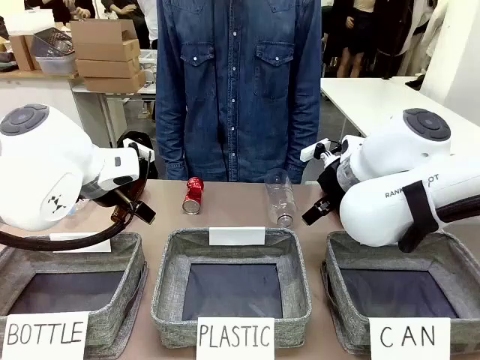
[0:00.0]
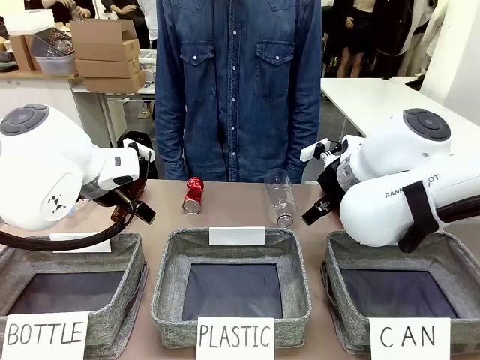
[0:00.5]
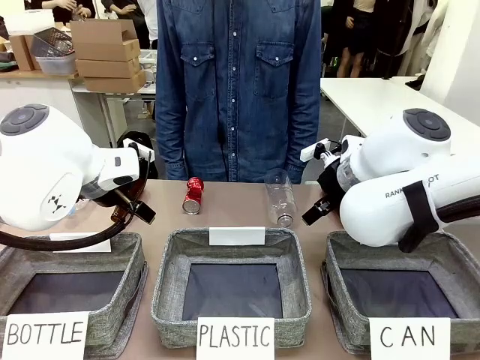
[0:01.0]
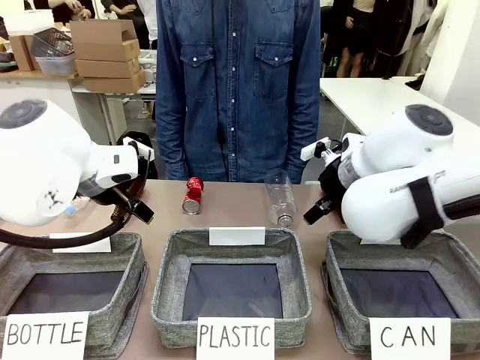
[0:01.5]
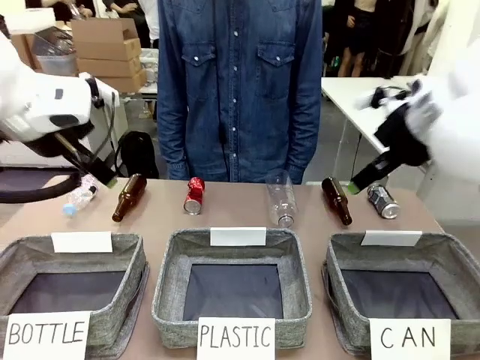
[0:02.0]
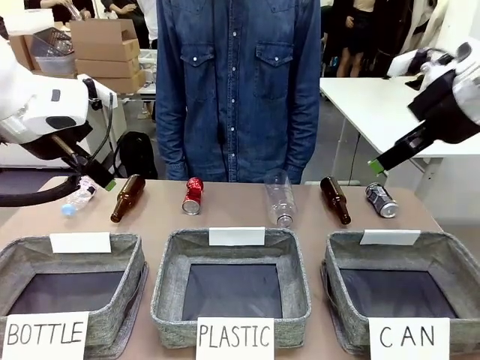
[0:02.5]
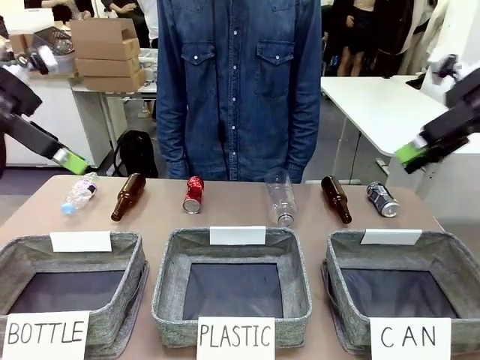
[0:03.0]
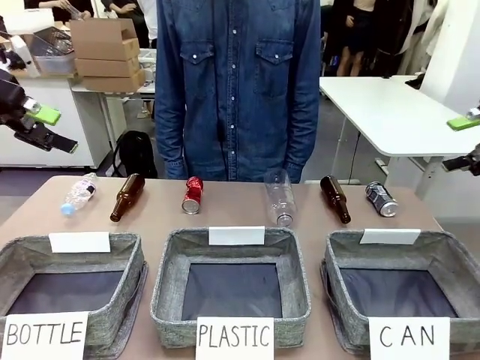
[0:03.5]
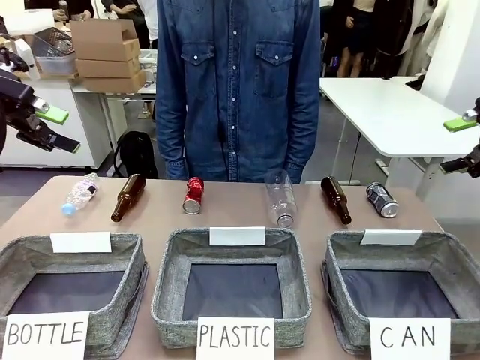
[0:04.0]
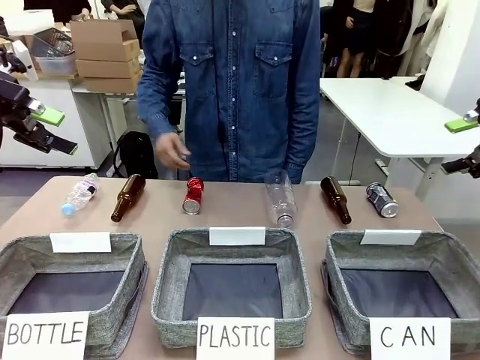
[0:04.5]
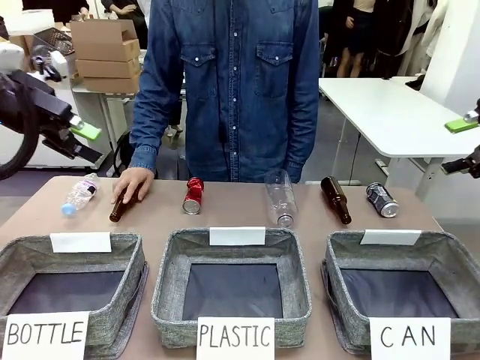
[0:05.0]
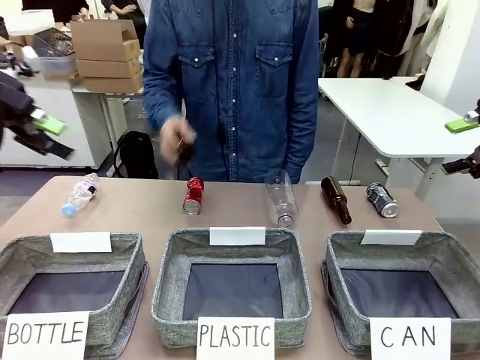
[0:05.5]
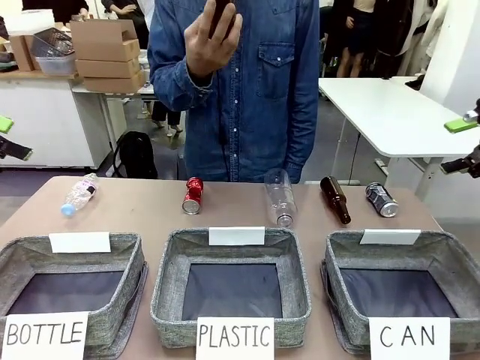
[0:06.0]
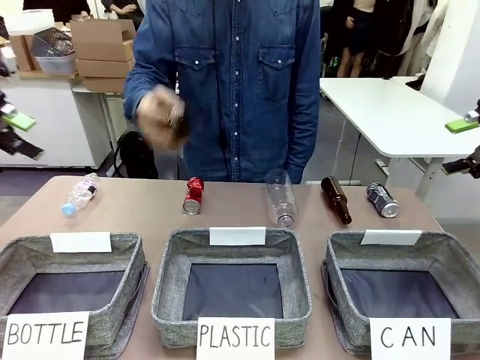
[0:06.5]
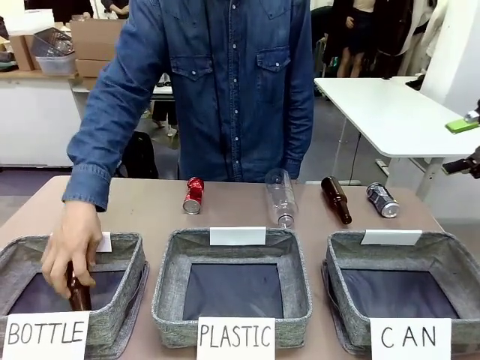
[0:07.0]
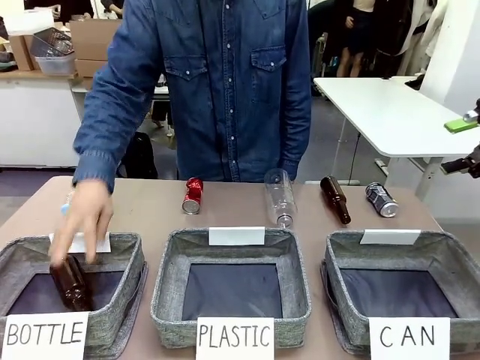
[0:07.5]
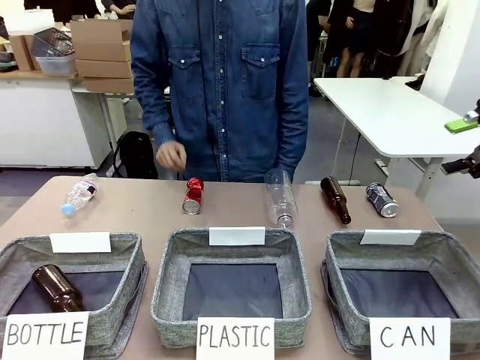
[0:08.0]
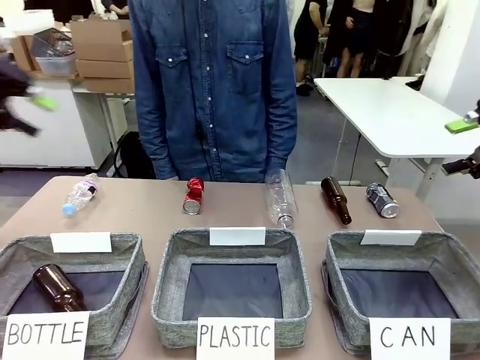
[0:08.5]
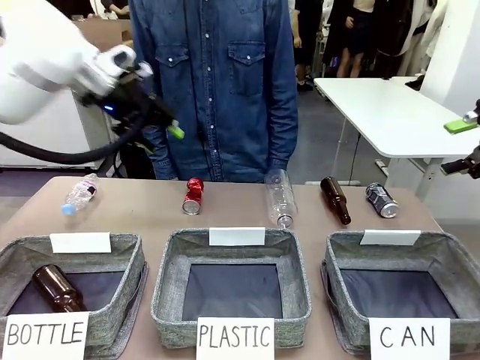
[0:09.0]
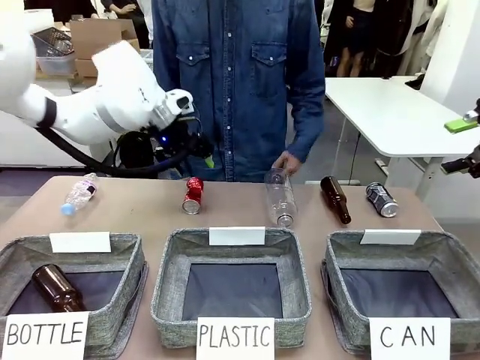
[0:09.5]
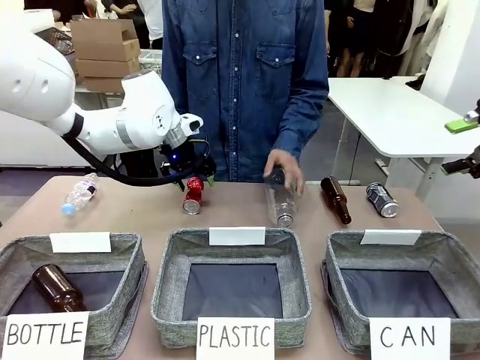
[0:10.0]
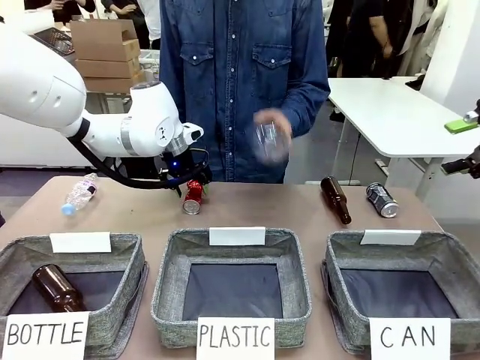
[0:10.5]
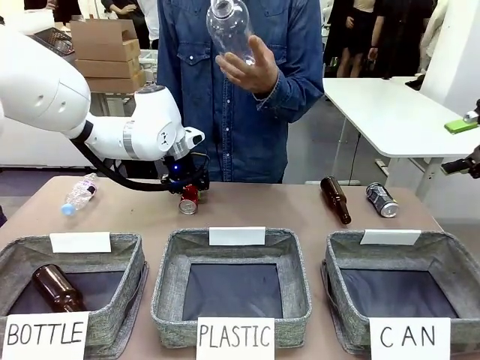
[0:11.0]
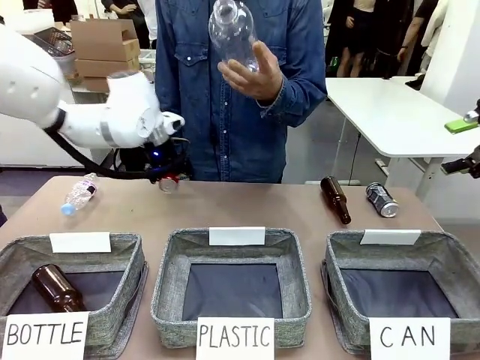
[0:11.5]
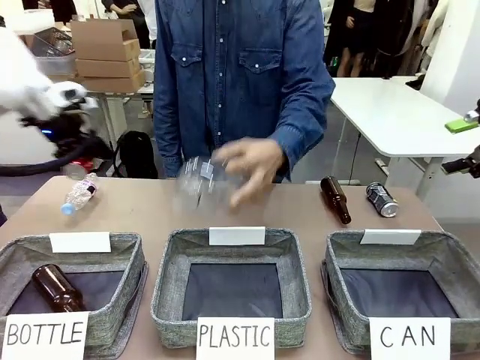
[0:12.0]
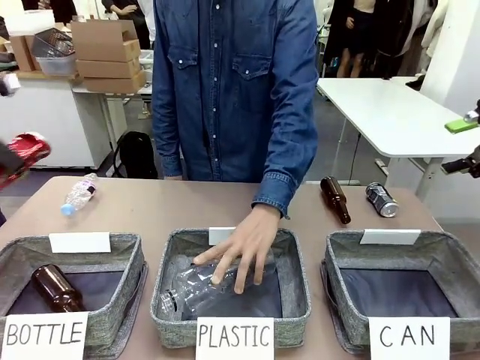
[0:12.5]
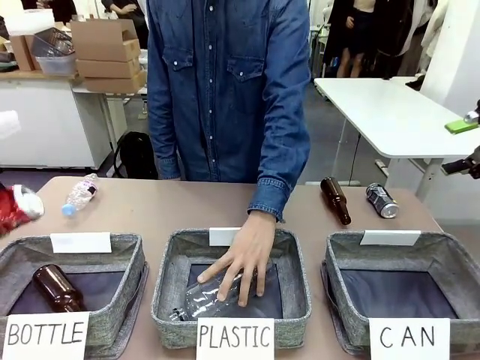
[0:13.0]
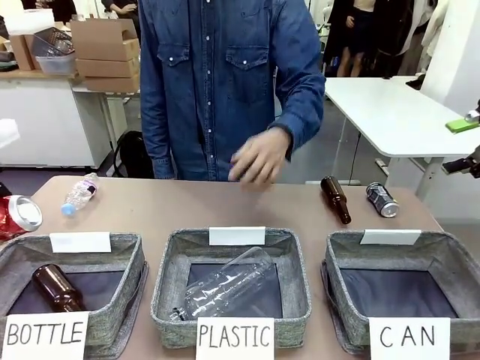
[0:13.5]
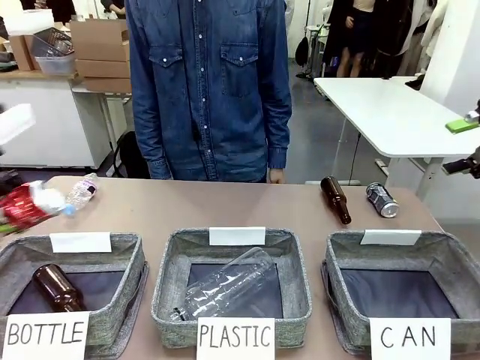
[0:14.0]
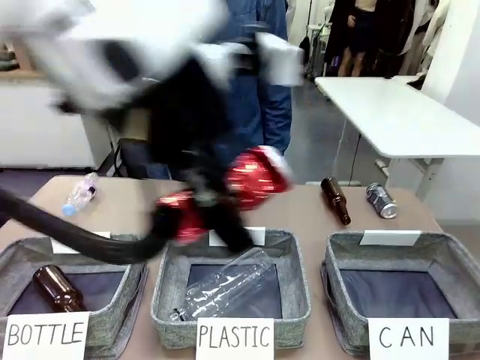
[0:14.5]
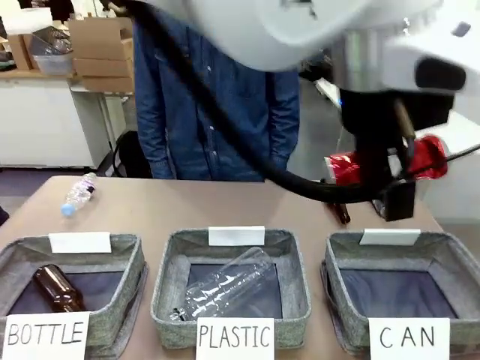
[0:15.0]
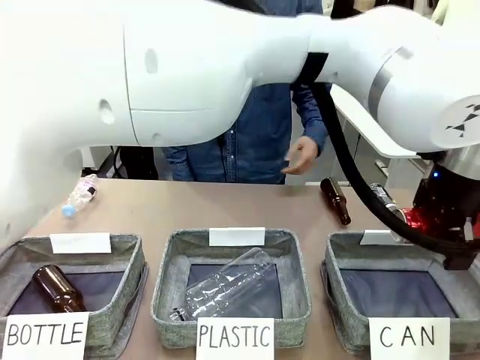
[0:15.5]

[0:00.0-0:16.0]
Task: Sort the can waste into the basket.
Robot: Pick up the can waste from the table and place it in the right Fabric basket.
